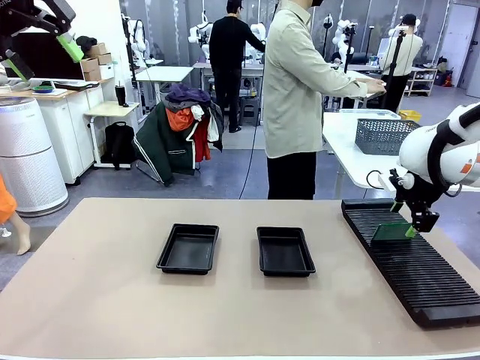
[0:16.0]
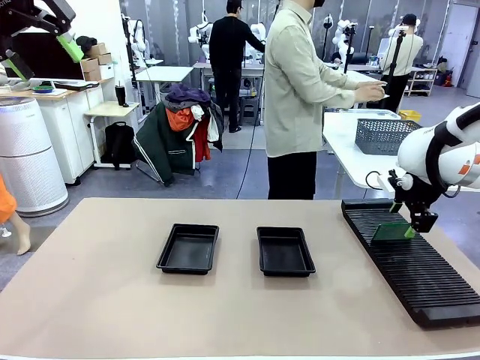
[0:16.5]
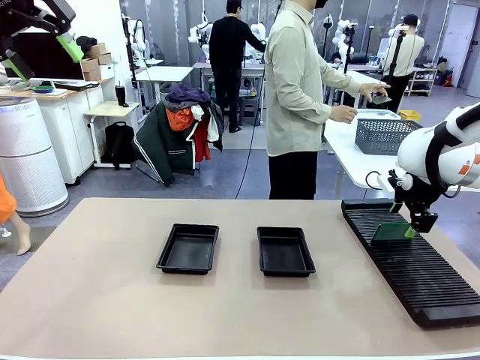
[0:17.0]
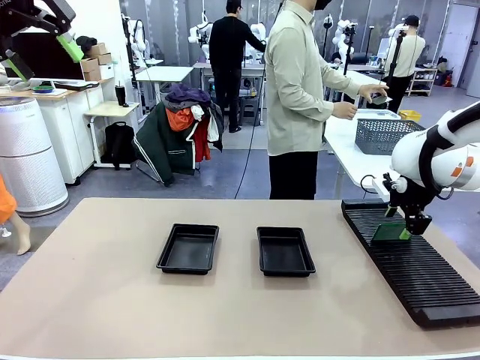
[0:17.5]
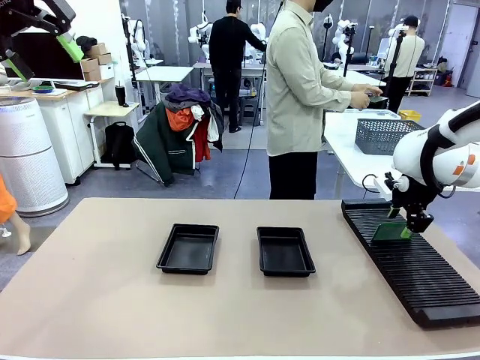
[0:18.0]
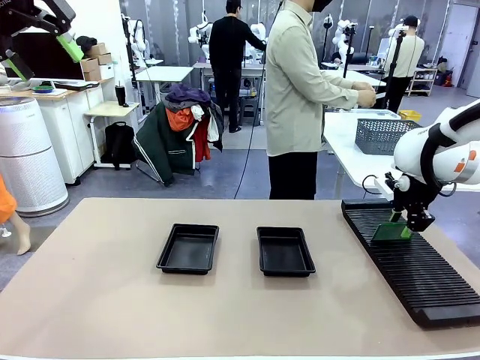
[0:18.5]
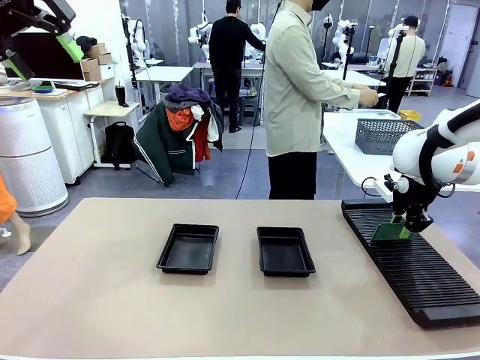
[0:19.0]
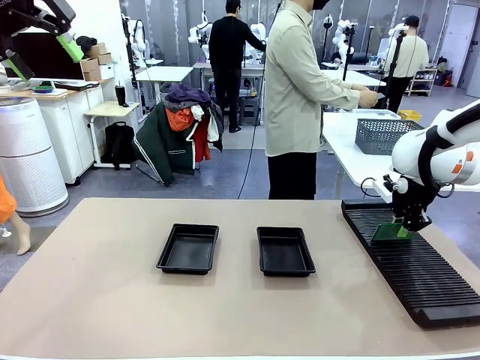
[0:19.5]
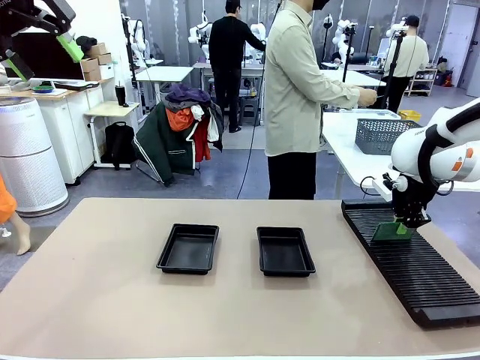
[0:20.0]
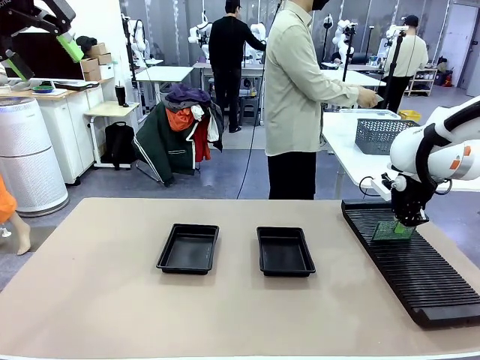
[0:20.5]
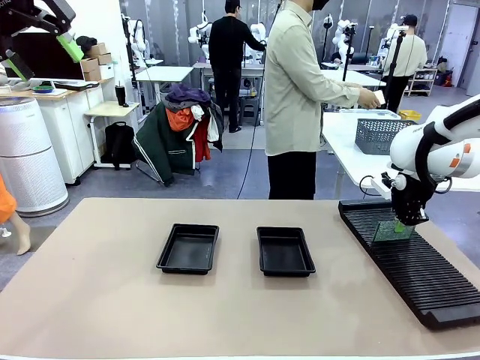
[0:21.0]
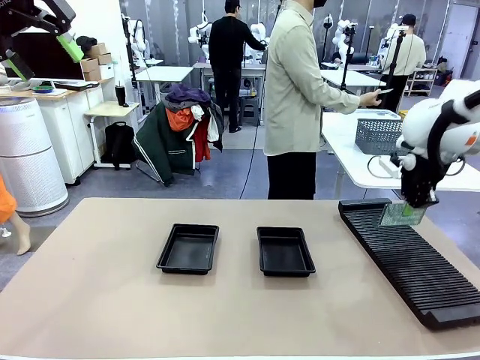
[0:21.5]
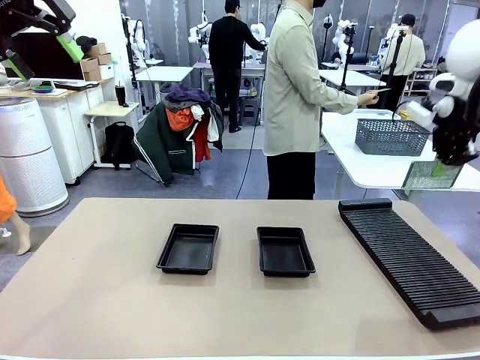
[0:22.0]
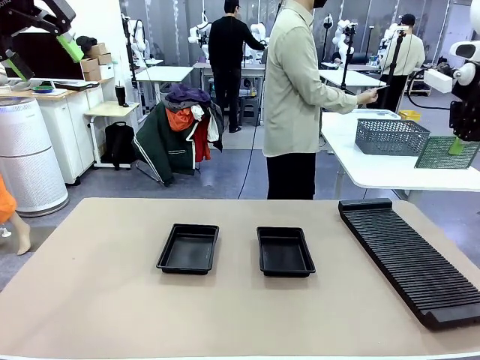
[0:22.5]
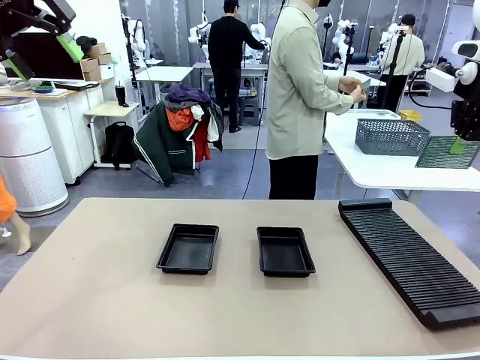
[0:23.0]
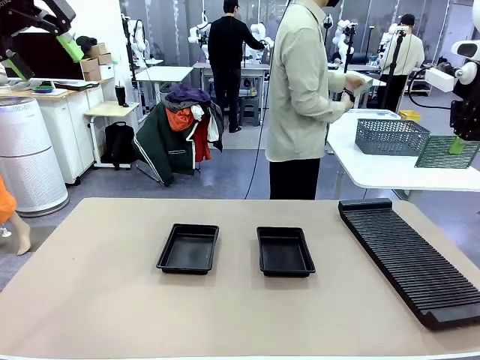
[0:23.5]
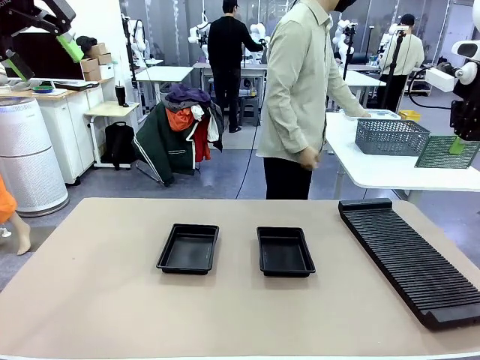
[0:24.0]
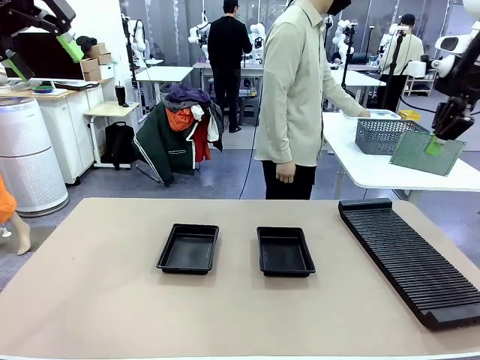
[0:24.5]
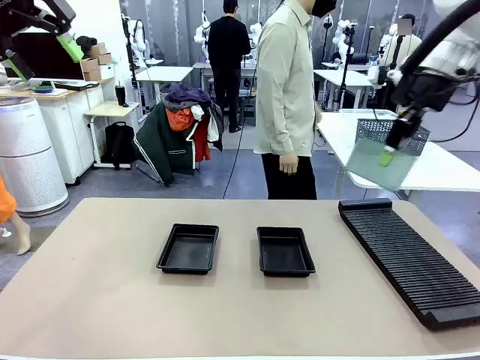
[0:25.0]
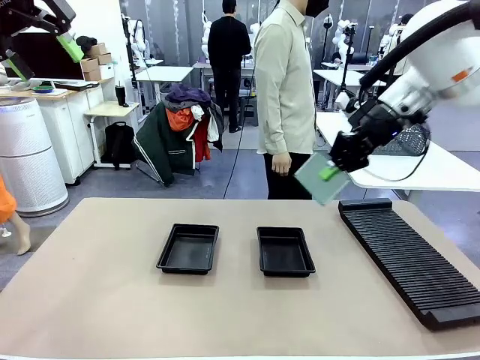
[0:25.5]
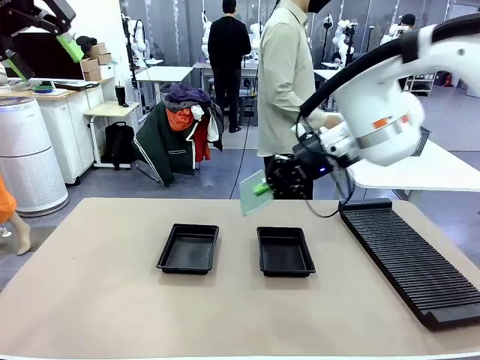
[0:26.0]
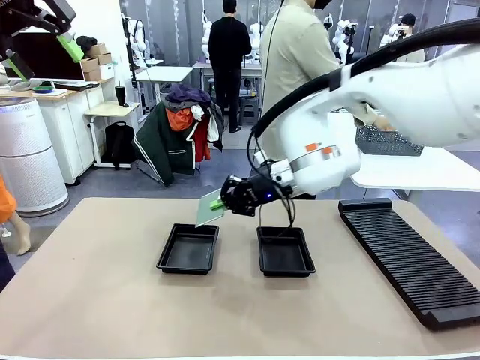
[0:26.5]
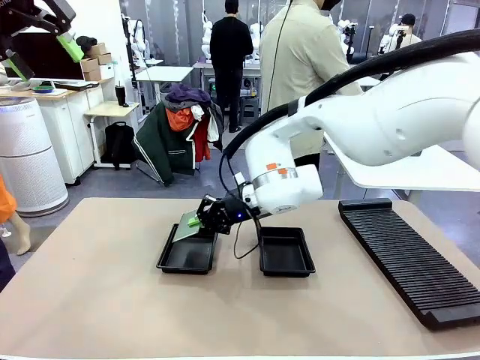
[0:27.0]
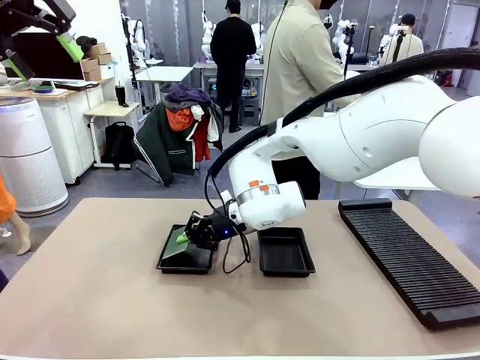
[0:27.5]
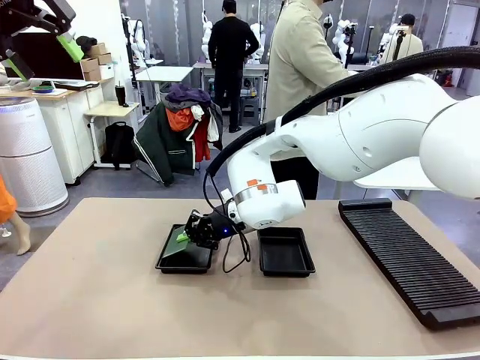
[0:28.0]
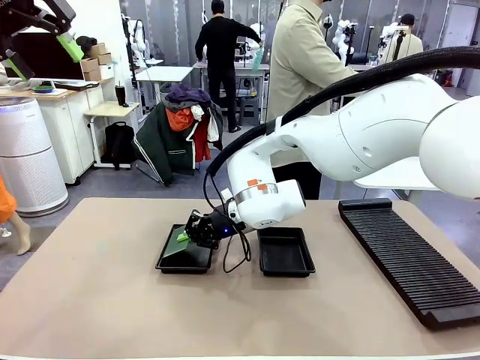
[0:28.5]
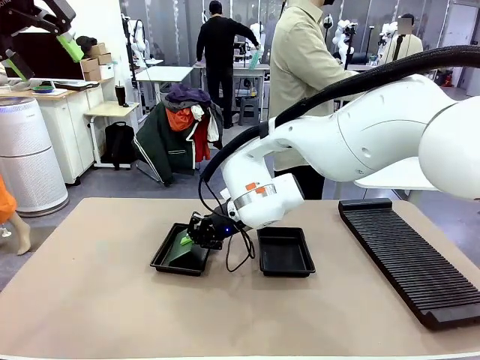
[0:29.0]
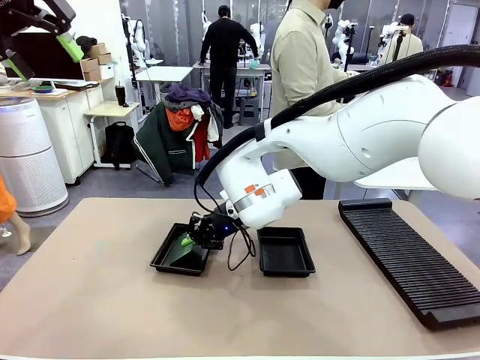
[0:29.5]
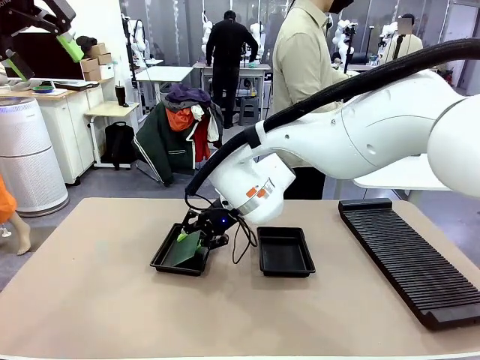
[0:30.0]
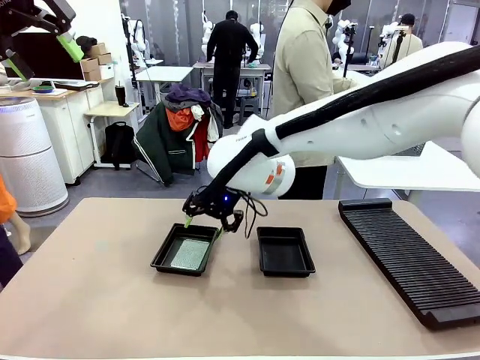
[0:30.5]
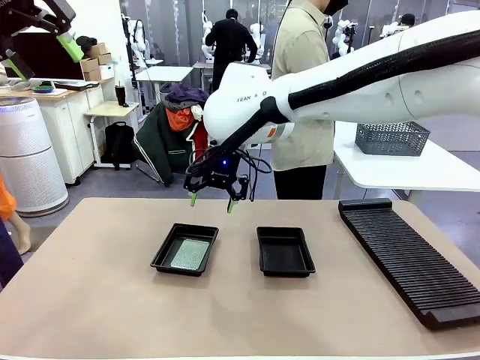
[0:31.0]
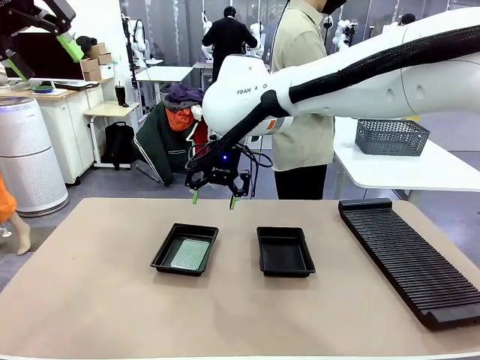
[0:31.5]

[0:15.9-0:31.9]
Task: Inspect and transfer BCBs to ESD trays.
Robot: Pick up the Blank PCB from the PCB Rack and place it in the left ESD tray.

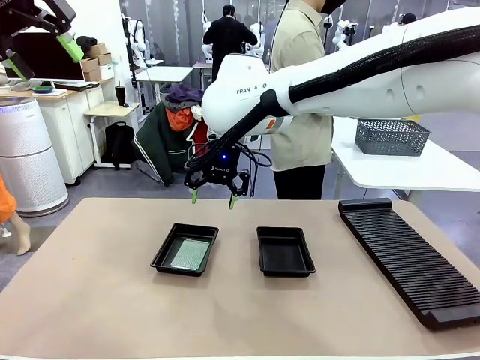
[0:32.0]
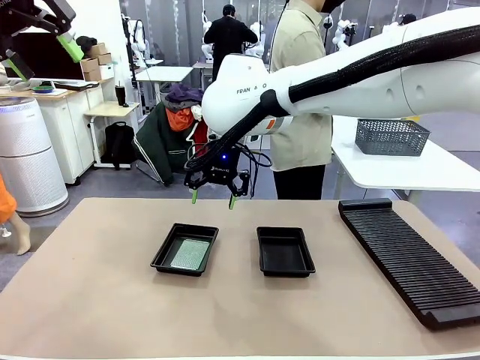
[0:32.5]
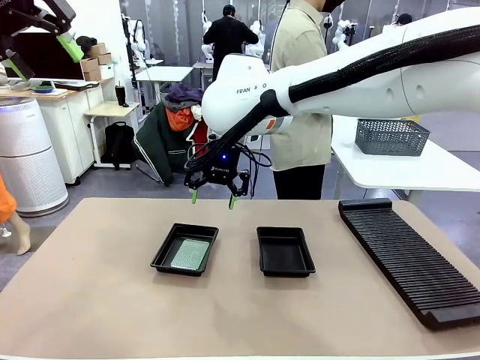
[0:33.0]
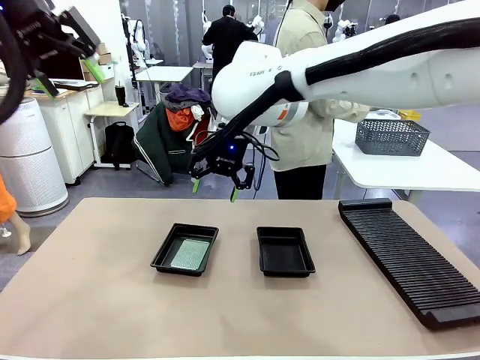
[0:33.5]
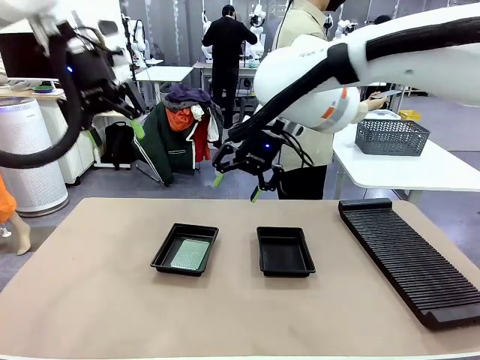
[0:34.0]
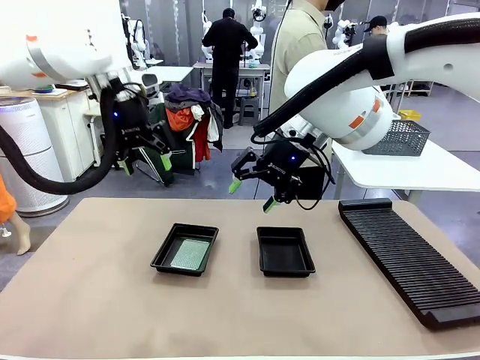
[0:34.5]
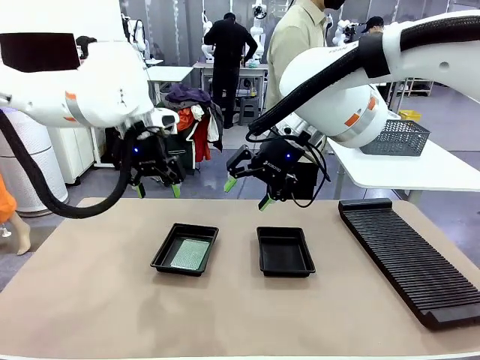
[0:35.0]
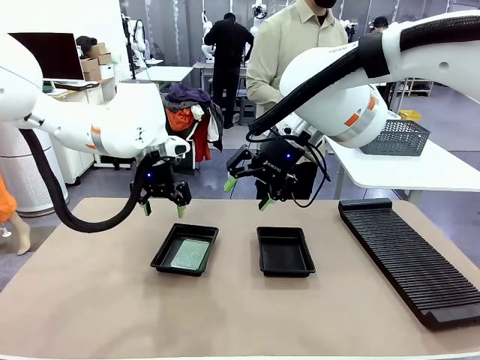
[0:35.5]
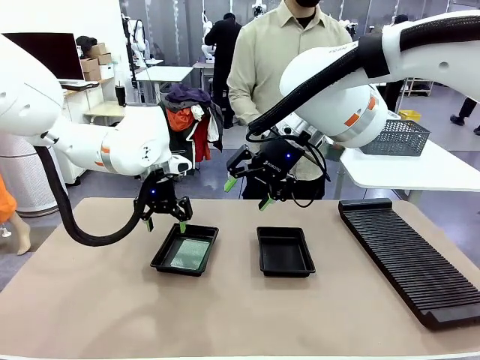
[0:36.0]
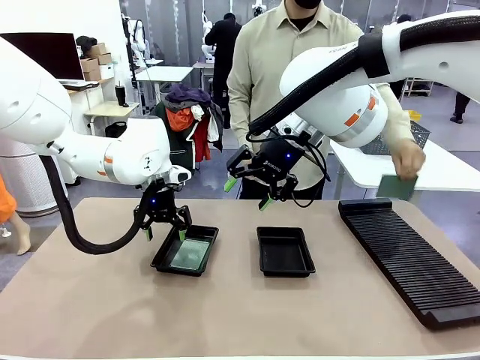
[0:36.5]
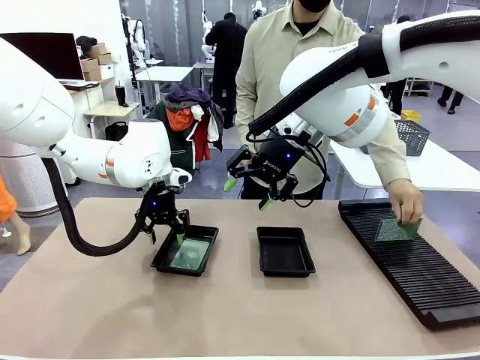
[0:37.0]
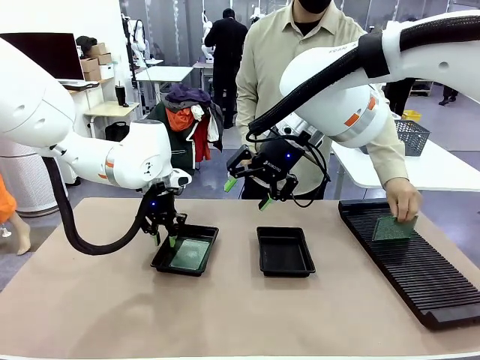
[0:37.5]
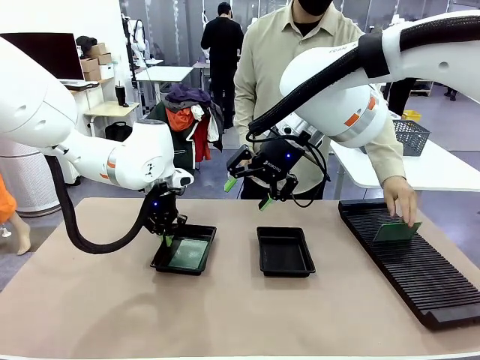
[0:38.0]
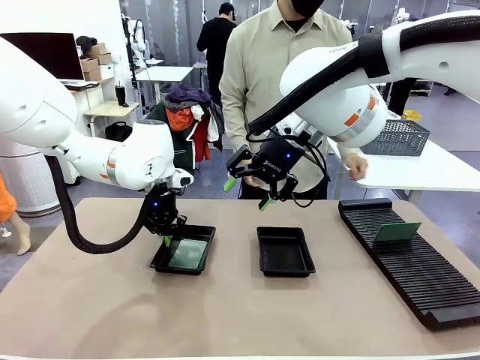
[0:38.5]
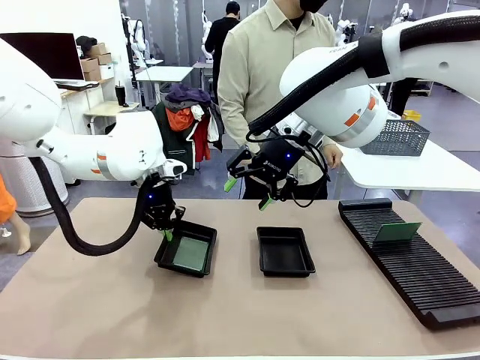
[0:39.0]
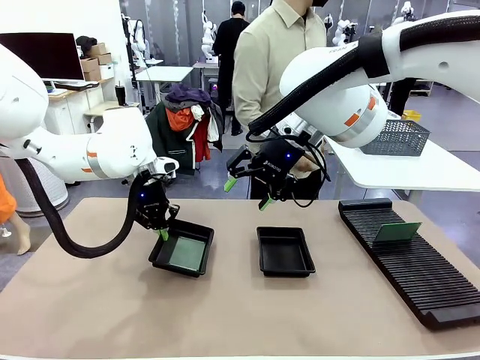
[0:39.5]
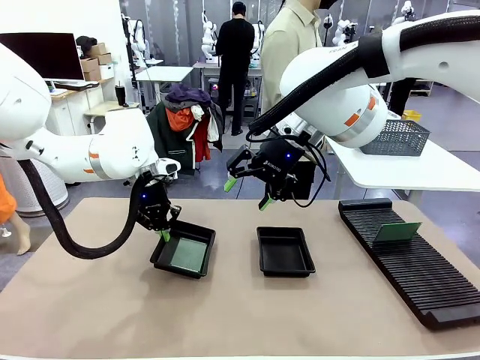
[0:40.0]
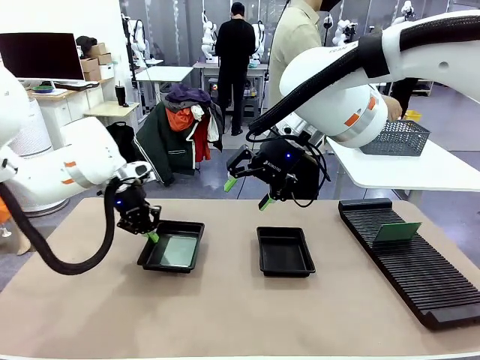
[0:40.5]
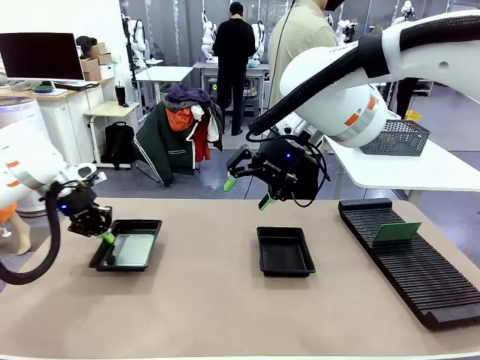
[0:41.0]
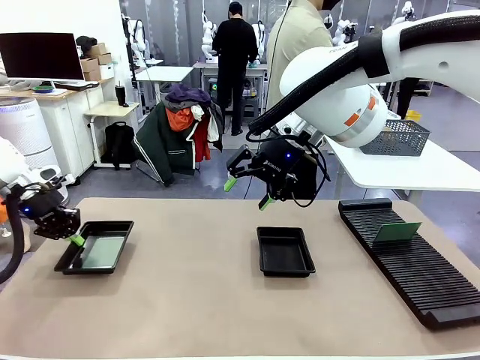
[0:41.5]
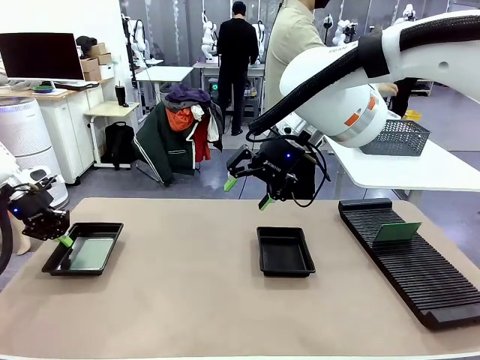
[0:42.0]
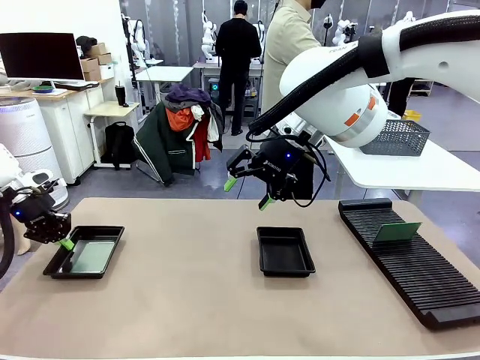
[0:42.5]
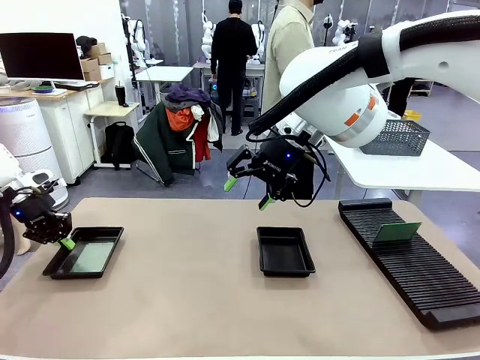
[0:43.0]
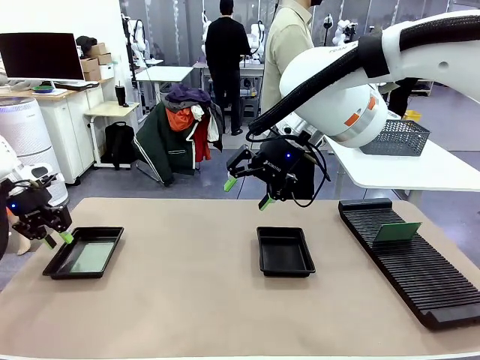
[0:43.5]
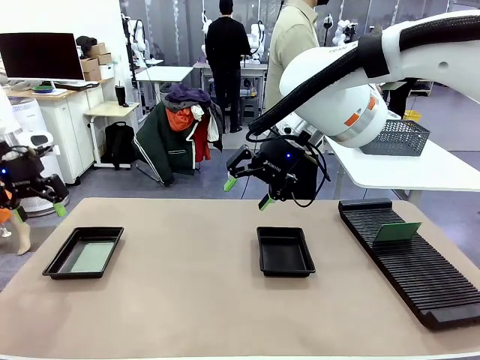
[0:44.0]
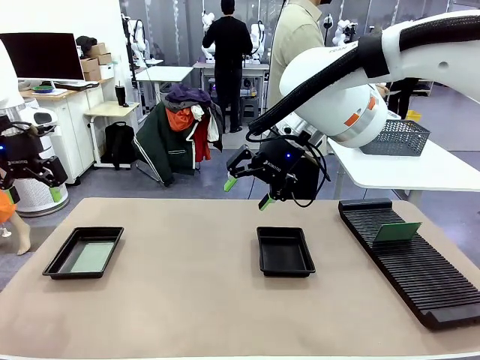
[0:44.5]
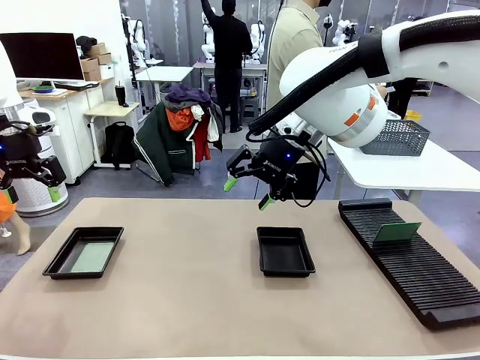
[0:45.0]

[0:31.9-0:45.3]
Robot: Pick up the ESD tray and place it on the left side of the table.
